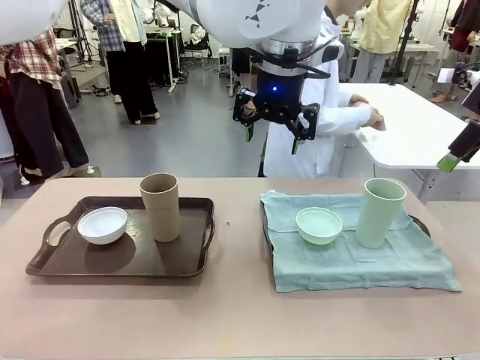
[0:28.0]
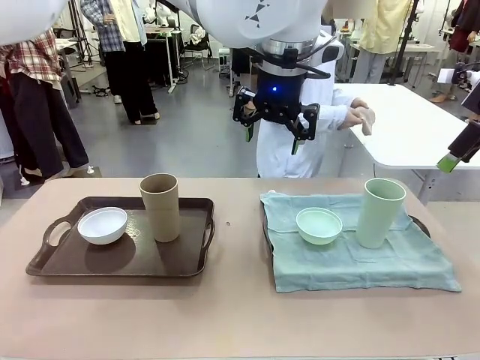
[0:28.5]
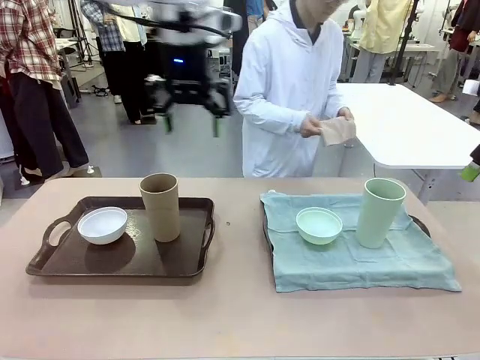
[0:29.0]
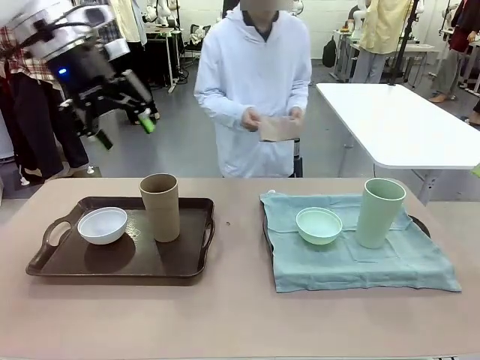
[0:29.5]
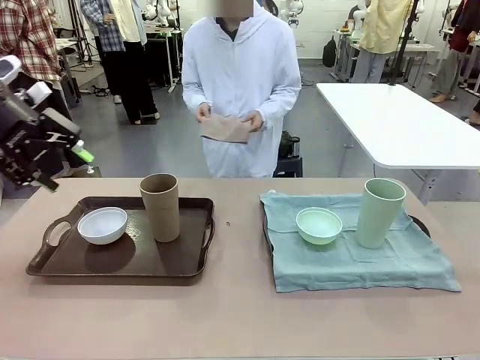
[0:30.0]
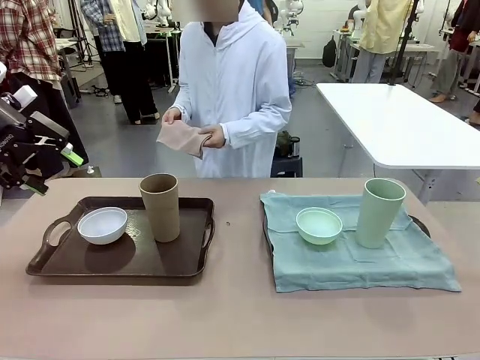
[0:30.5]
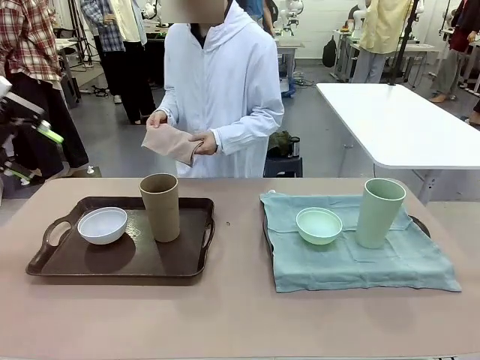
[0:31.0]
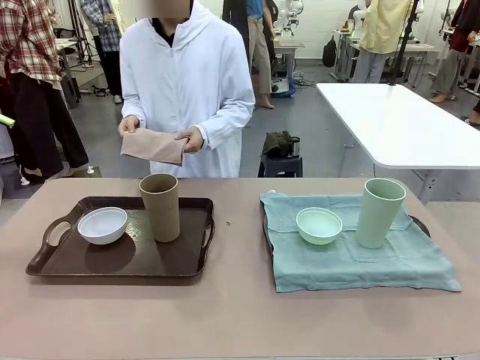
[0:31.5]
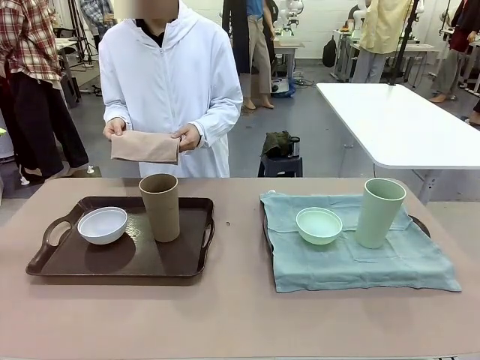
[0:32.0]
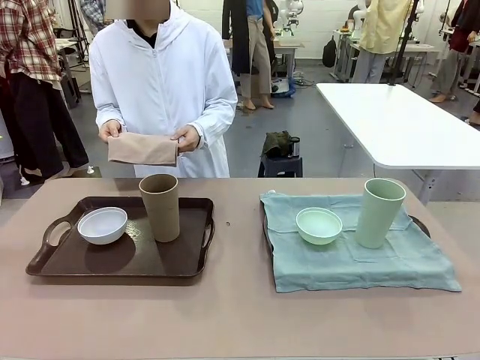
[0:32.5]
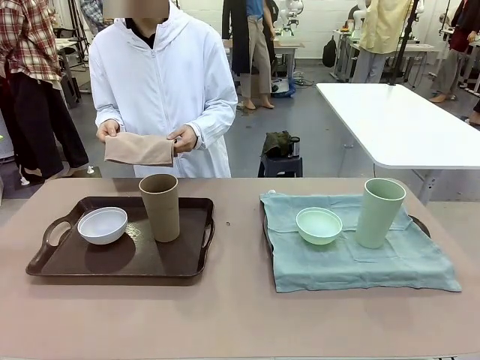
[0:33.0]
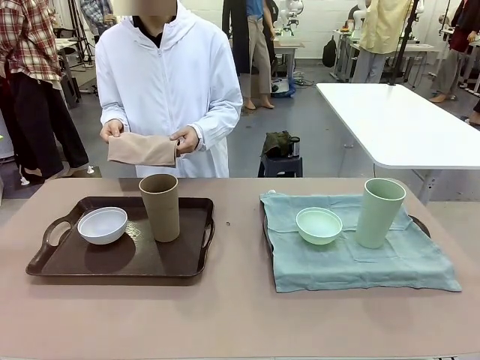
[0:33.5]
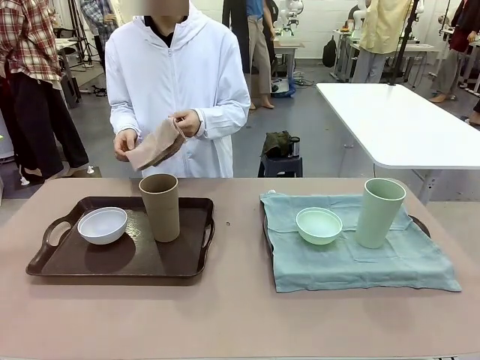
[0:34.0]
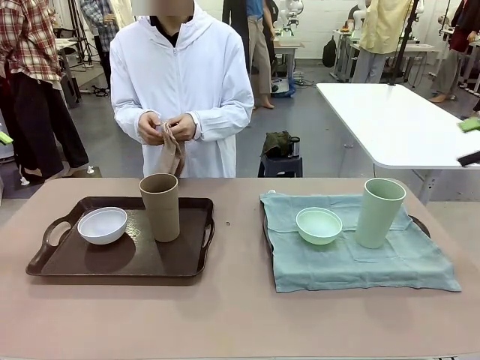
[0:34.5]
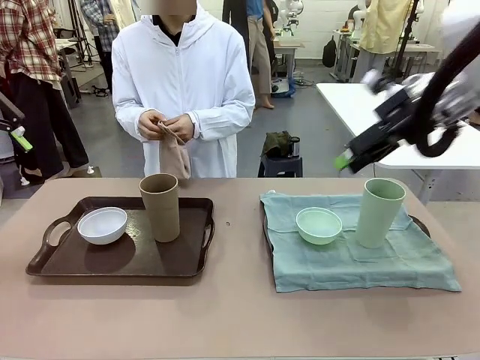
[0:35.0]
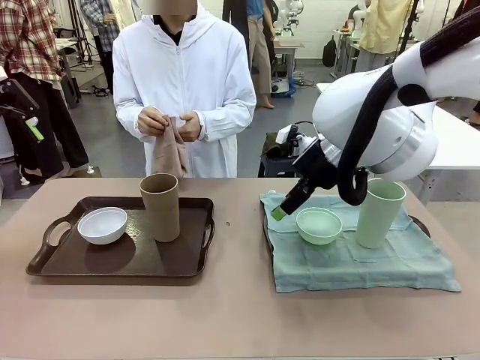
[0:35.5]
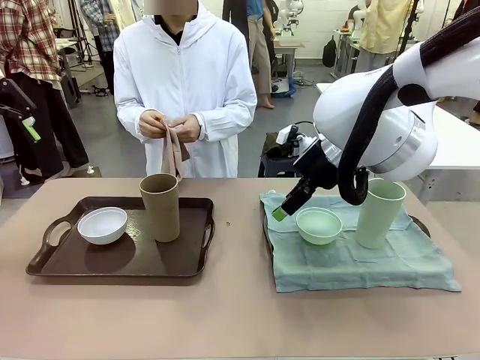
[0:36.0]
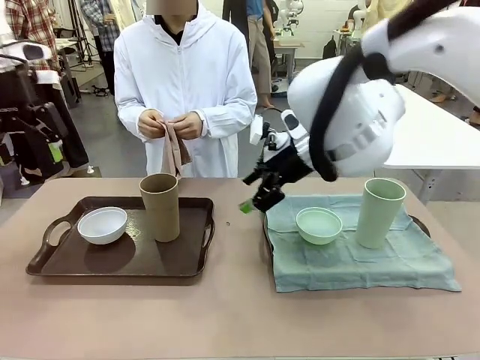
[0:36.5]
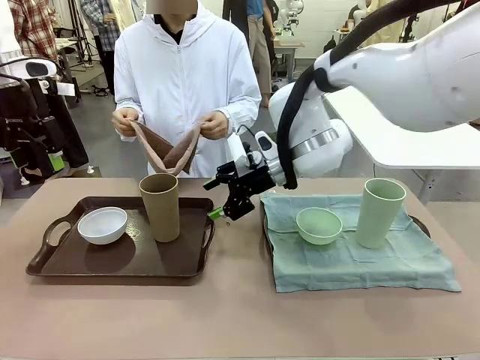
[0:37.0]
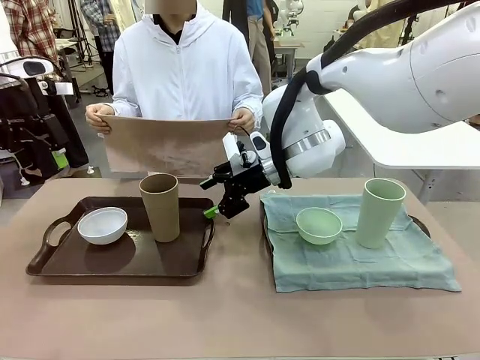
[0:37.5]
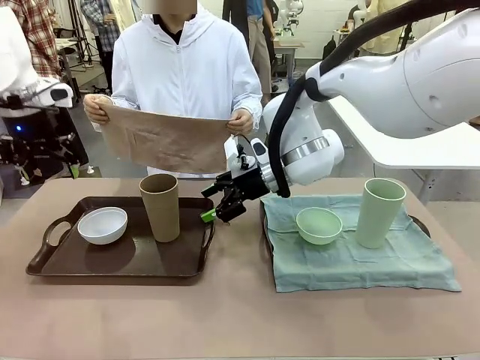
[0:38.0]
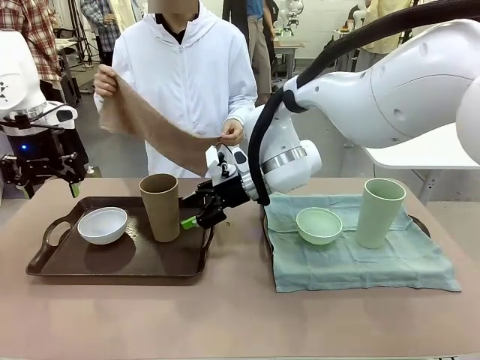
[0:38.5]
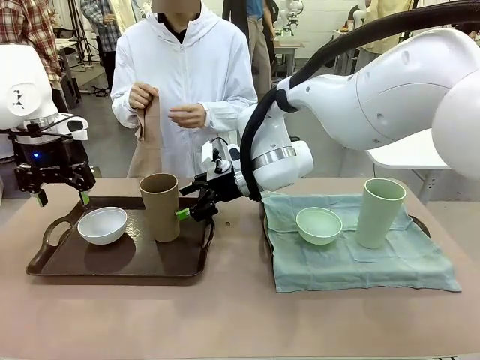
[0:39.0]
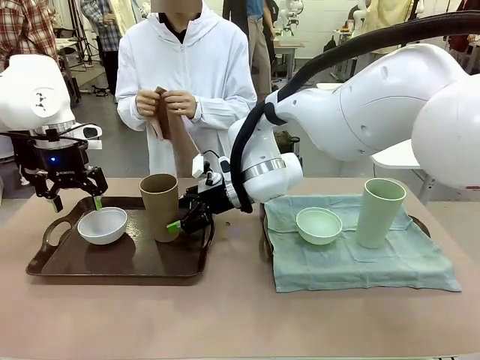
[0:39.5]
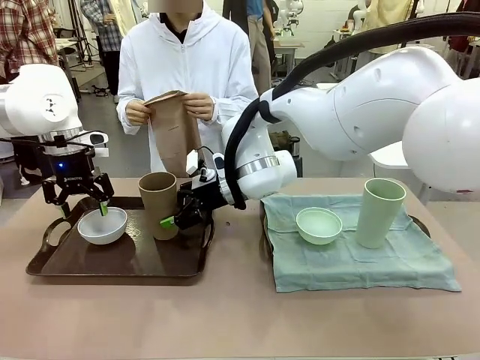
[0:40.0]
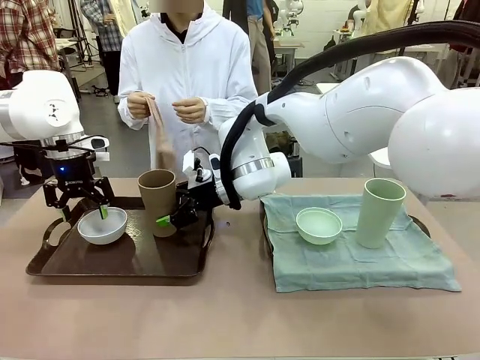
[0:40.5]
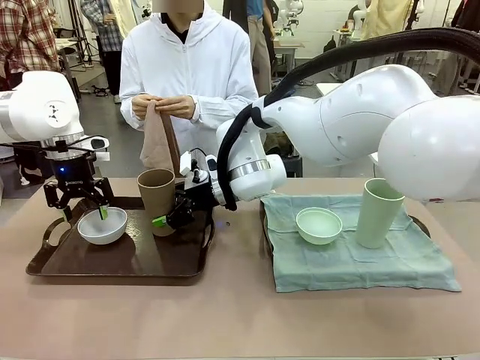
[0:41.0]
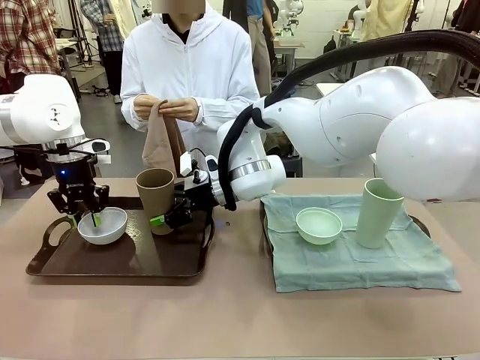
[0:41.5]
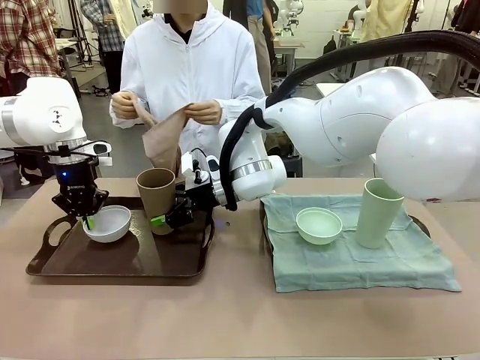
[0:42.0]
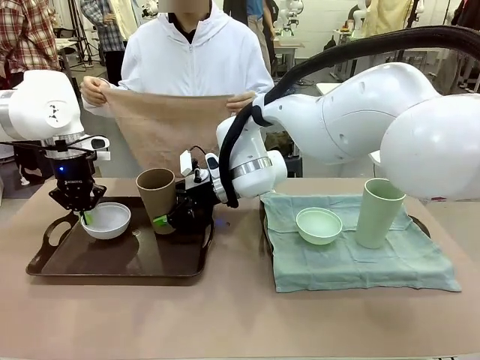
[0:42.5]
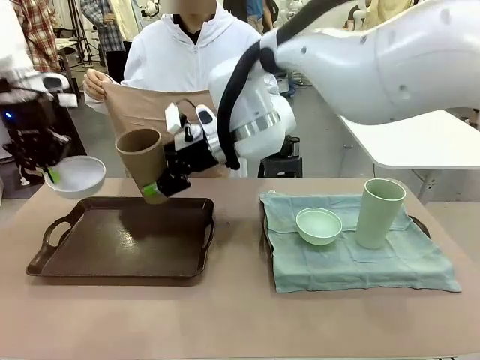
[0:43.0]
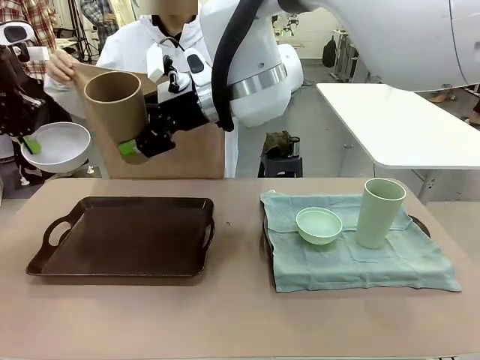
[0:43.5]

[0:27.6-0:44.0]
Robot: Pick up the Picnic Bowl and Reusable plastic cup from the Handle tray in front of the human's position and hold them in the air.
Person: The human returns to the human table to pick up another napkin and walks to the robot table to stand in front of the tray without a napkin.

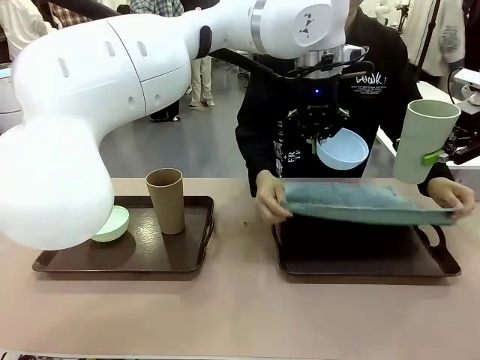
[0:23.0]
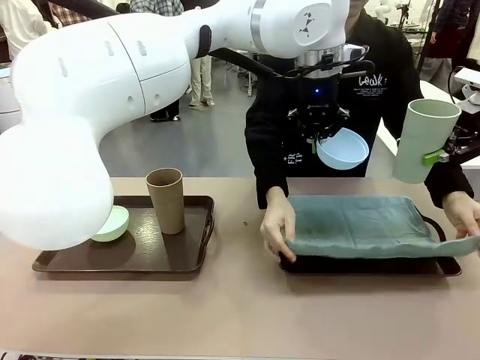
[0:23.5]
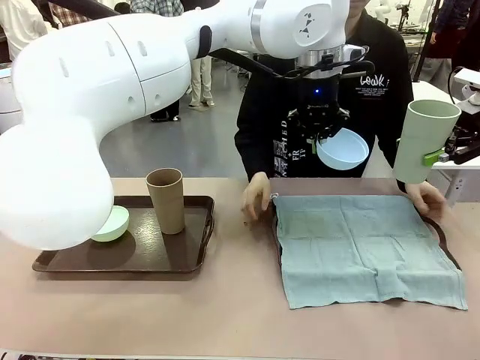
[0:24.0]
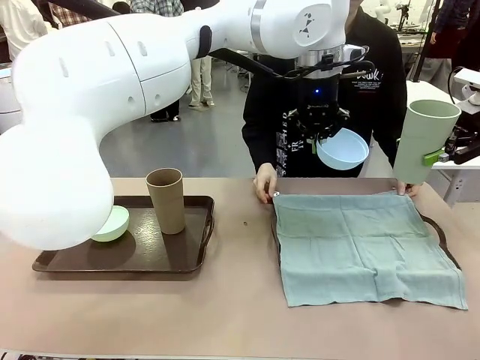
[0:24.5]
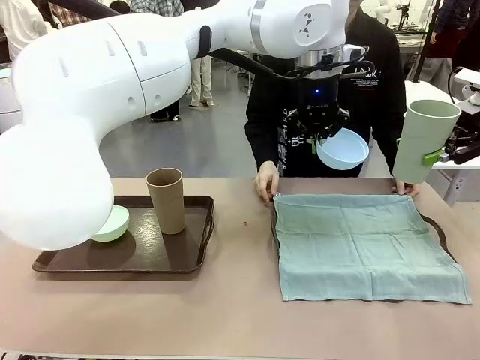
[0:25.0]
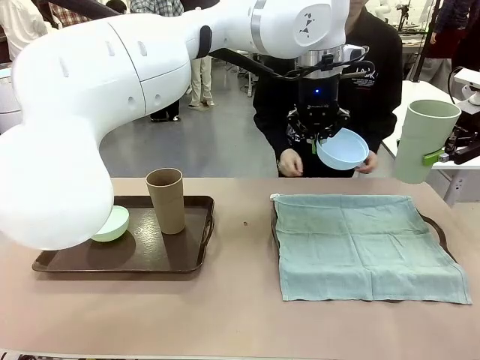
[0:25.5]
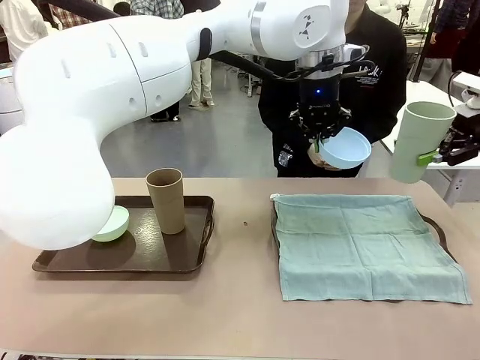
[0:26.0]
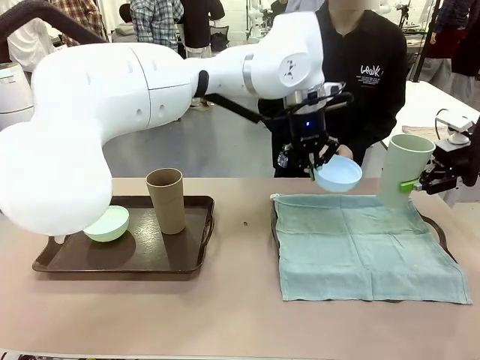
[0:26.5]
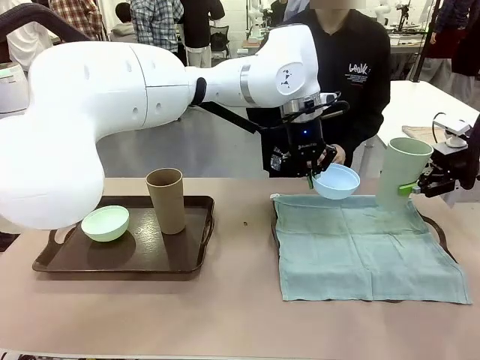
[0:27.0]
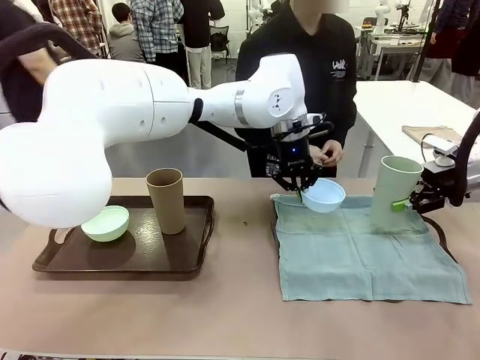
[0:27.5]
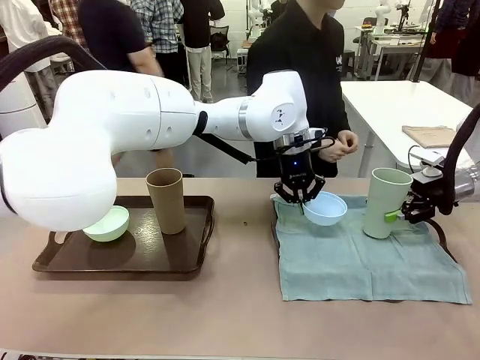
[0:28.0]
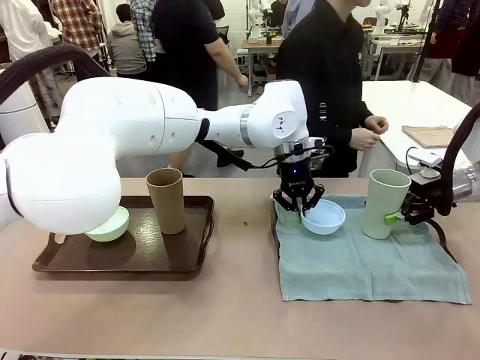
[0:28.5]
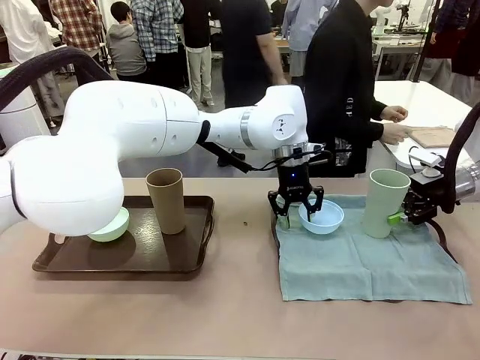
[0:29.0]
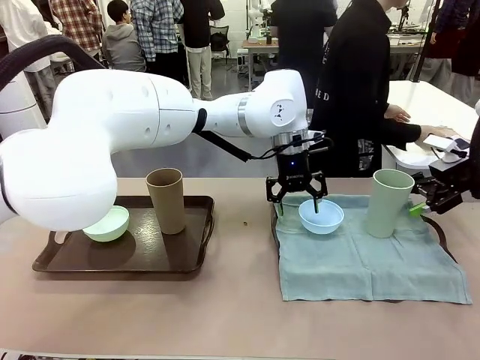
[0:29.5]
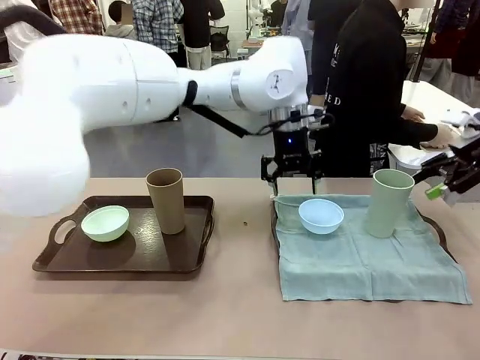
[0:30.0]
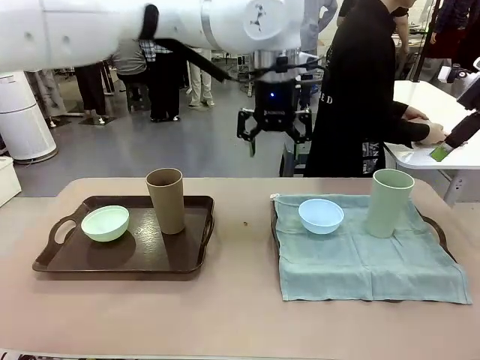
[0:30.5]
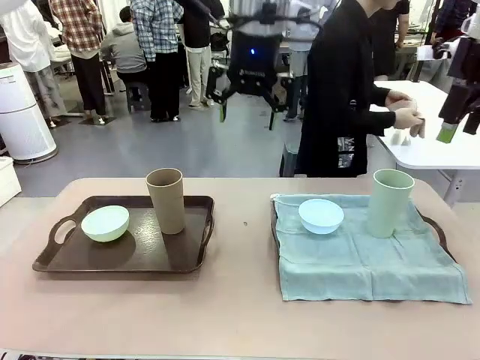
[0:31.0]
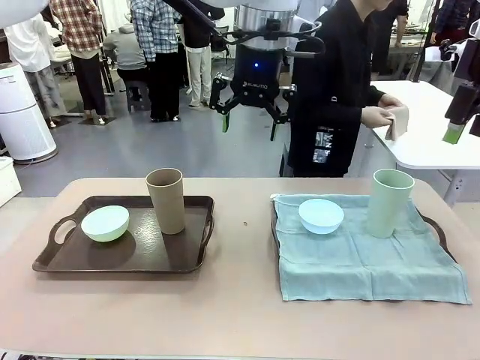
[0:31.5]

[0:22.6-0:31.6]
Robot: Place the Picnic Bowl and Reusable plastic cup back onto the Handle tray in front of the human's position.
